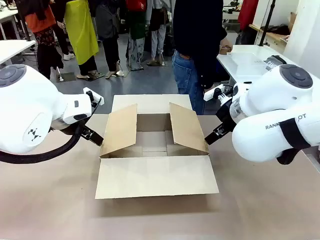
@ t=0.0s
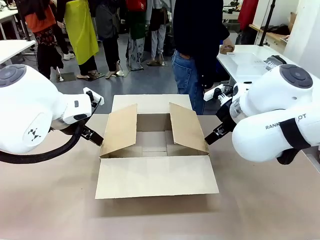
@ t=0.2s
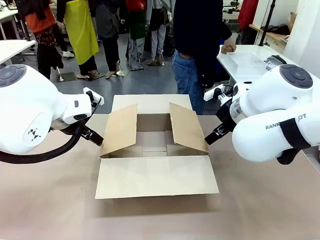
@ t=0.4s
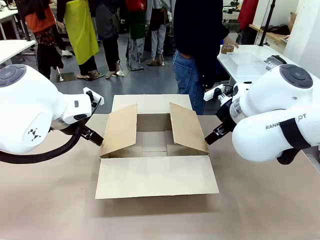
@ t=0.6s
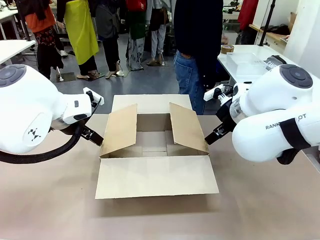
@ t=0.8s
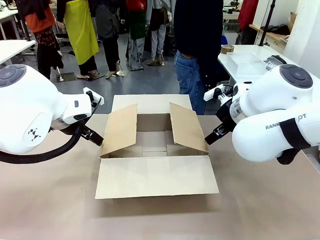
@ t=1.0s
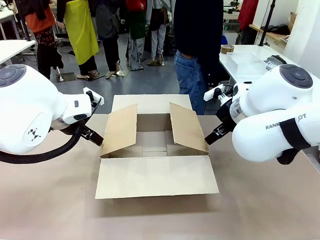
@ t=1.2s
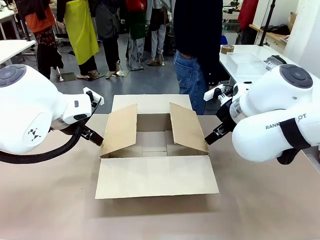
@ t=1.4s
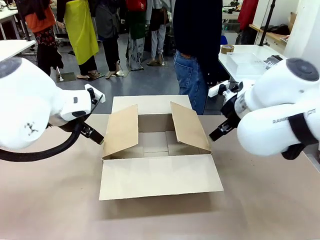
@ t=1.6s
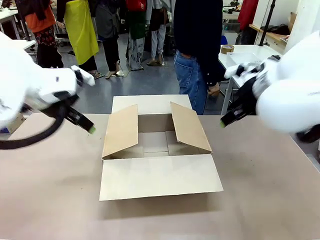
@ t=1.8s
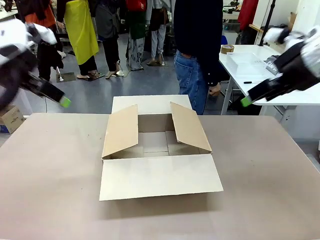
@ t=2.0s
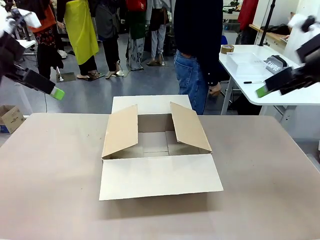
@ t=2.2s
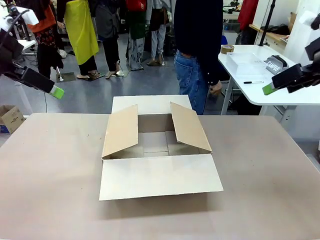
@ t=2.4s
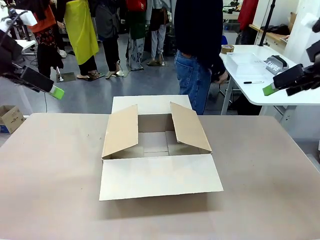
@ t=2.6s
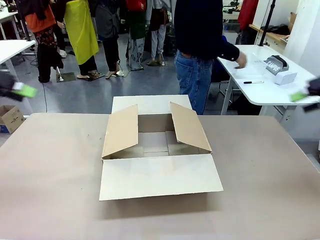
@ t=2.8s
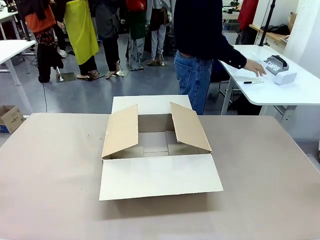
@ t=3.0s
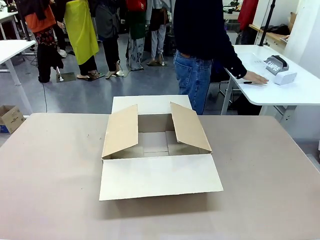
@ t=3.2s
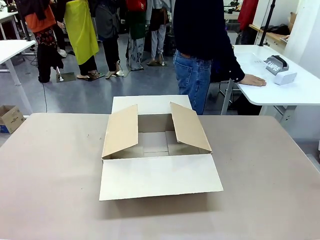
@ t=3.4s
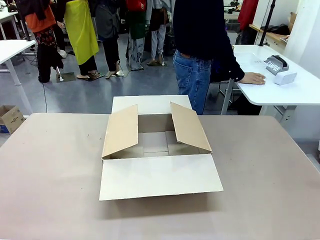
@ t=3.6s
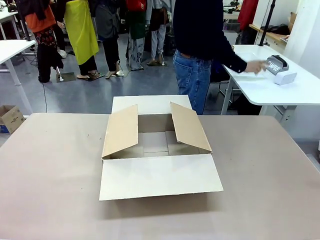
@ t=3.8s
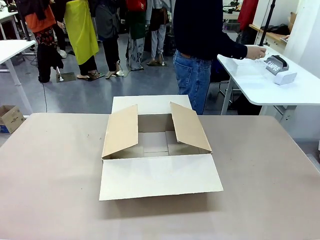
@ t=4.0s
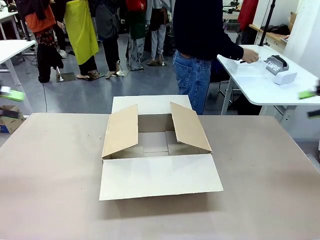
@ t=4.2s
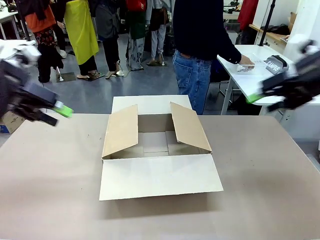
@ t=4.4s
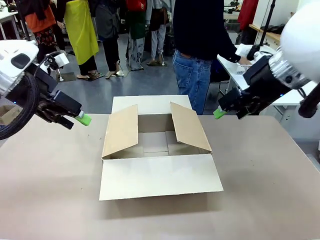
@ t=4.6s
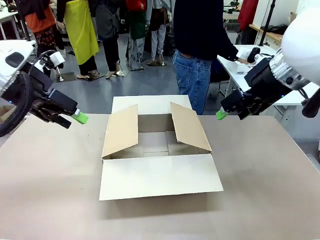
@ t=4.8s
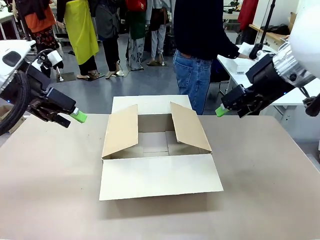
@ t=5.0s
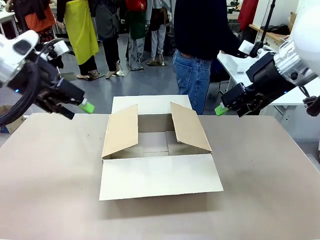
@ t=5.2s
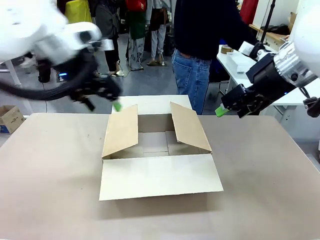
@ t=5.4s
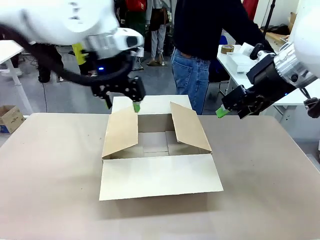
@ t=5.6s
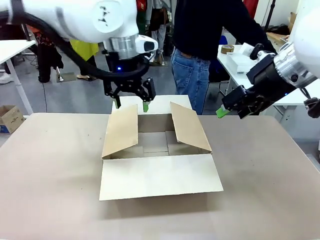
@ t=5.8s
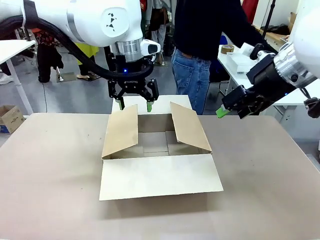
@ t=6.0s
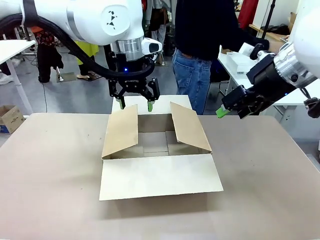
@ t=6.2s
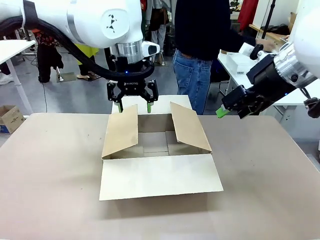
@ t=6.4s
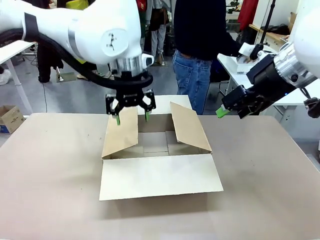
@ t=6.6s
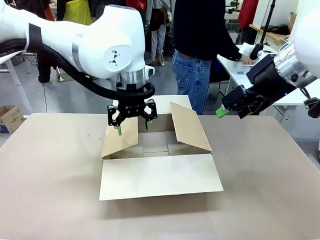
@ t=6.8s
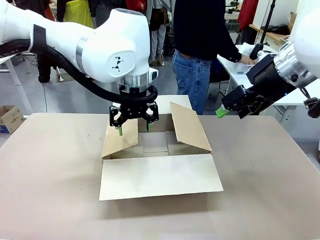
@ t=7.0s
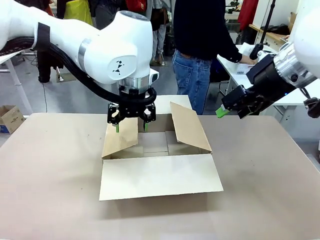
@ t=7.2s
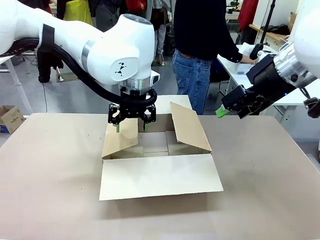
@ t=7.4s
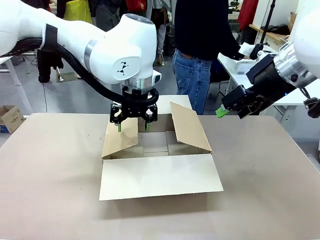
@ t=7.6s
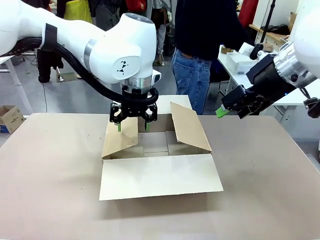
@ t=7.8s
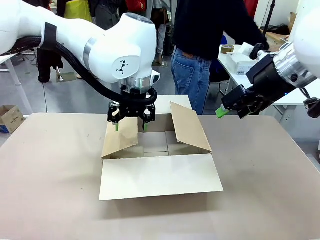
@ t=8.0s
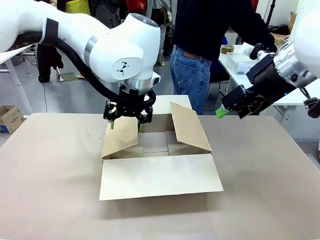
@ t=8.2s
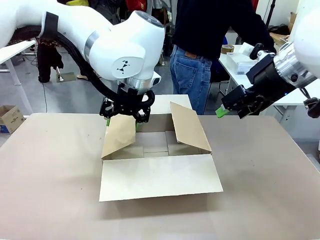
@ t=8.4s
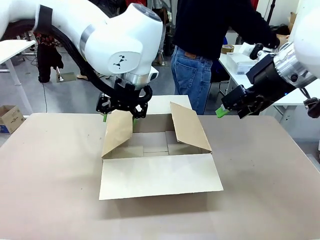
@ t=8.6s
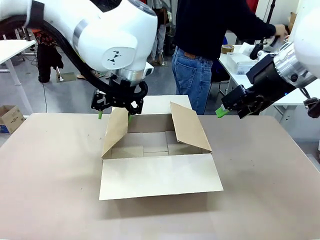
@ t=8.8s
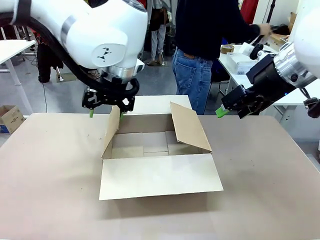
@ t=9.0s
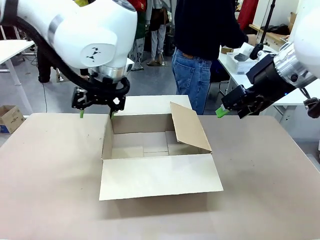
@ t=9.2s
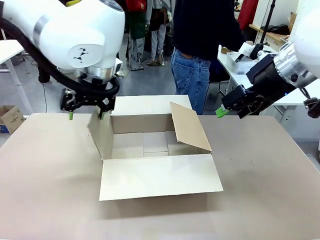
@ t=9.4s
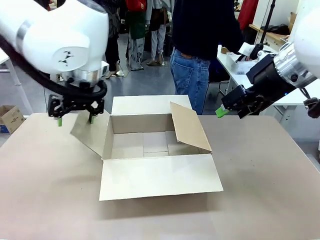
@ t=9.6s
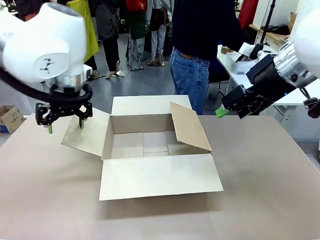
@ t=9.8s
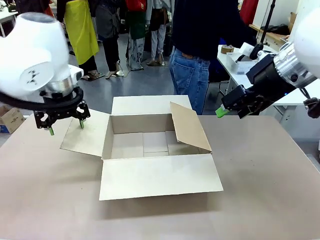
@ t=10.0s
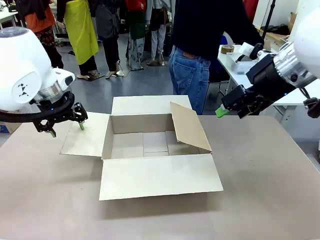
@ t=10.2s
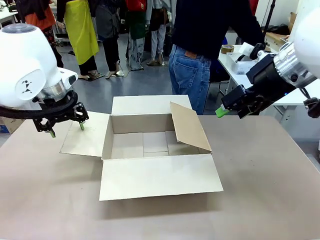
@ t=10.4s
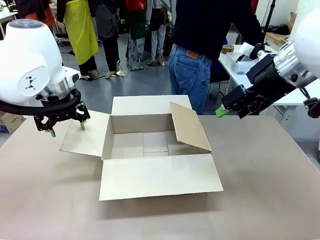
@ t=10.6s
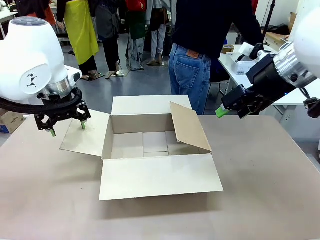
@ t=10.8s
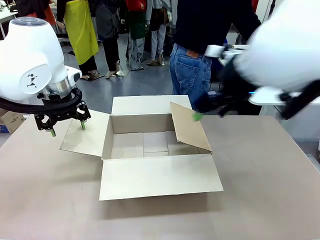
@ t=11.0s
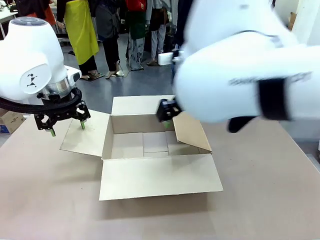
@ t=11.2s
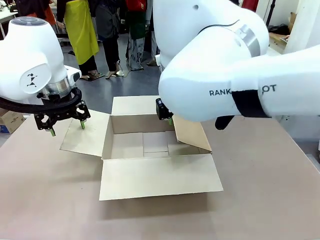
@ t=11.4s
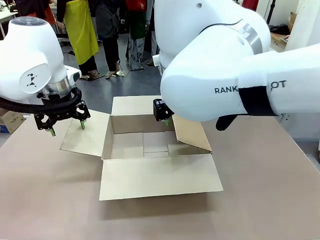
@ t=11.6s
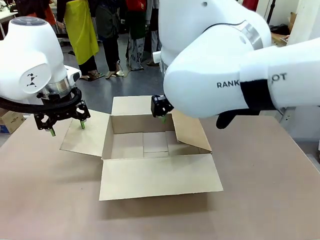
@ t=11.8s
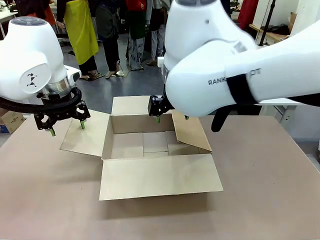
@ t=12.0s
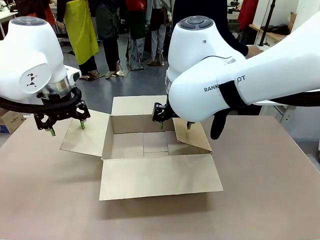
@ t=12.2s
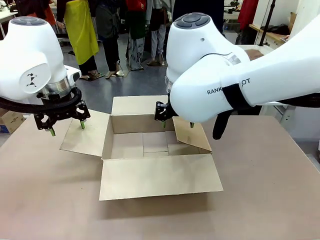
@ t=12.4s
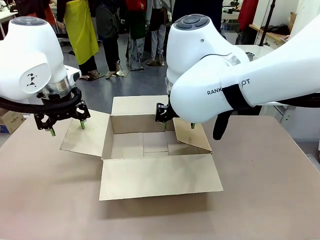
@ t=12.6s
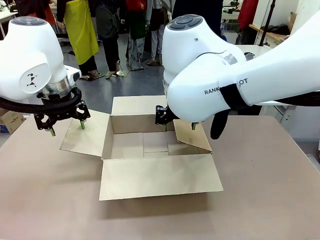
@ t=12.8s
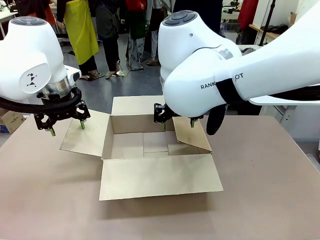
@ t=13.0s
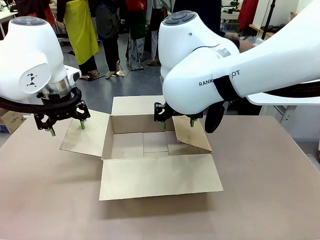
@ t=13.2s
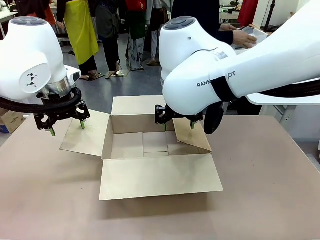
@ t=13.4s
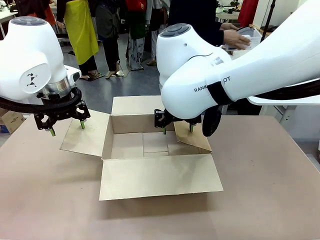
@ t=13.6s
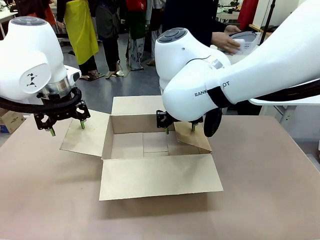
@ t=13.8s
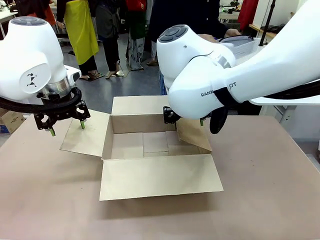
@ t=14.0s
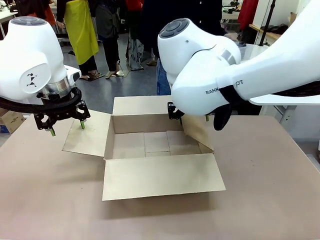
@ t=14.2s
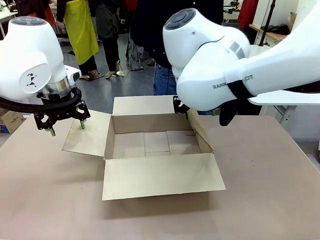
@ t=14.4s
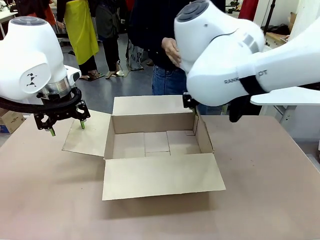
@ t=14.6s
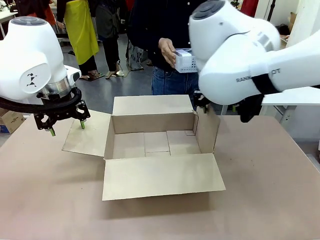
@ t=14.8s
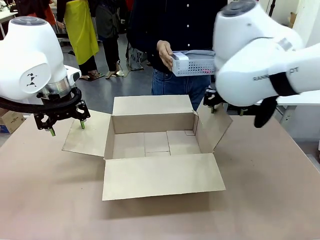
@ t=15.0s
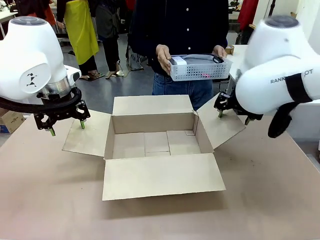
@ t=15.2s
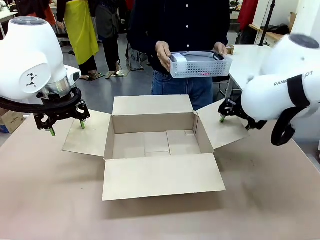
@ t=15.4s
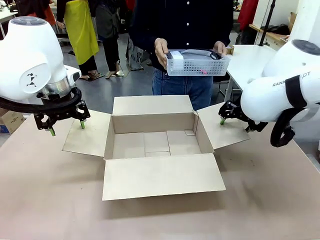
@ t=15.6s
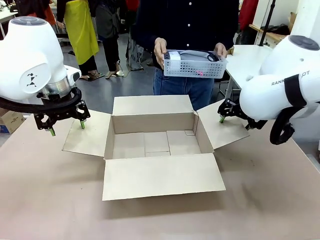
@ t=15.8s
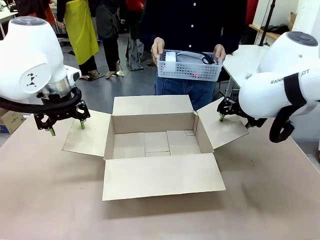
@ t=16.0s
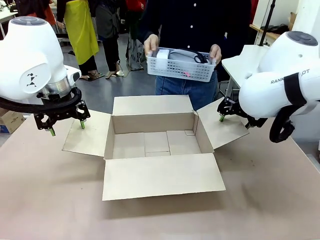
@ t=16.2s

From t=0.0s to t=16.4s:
Task: Pack the gift set into the box.
Robot: Place both hands on the side flaps of the Package Box and spread them outward.
Person: The human places all items except the paper tape into the organizing basket.

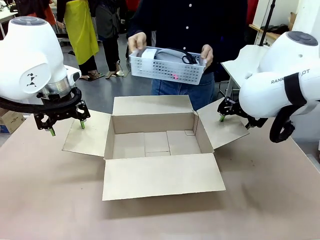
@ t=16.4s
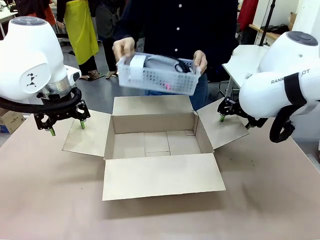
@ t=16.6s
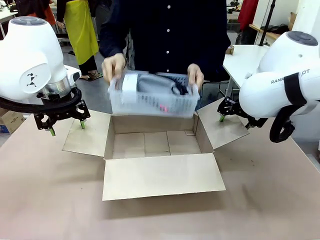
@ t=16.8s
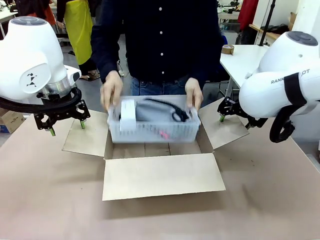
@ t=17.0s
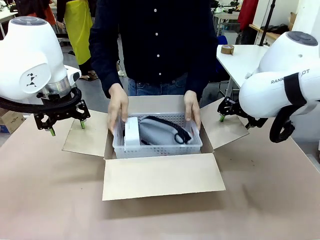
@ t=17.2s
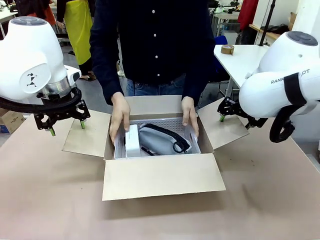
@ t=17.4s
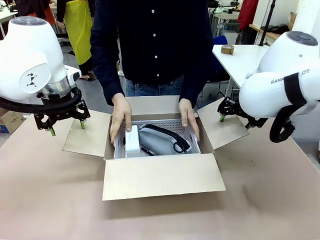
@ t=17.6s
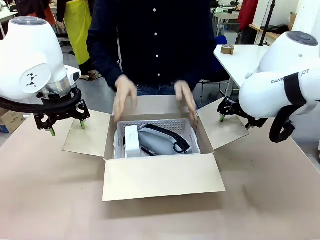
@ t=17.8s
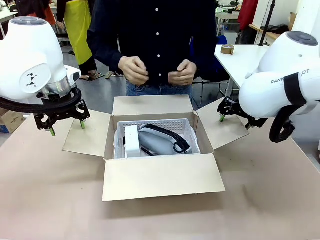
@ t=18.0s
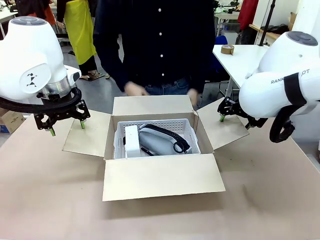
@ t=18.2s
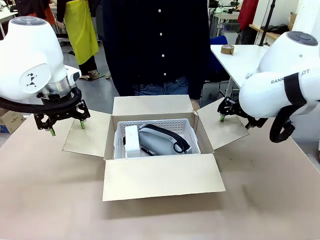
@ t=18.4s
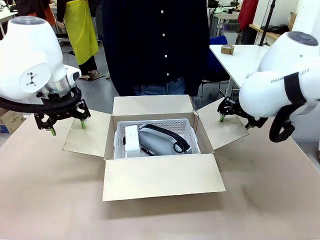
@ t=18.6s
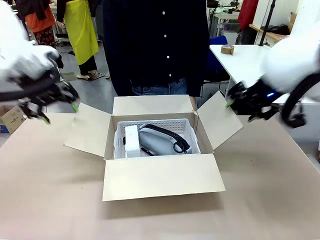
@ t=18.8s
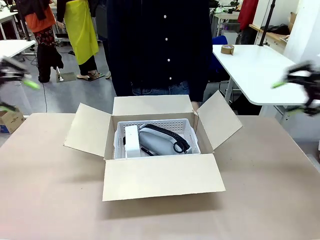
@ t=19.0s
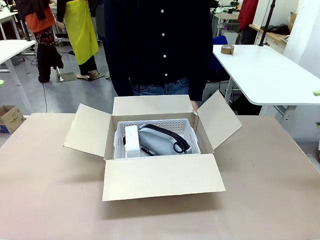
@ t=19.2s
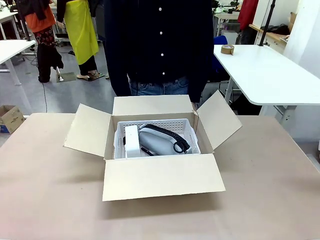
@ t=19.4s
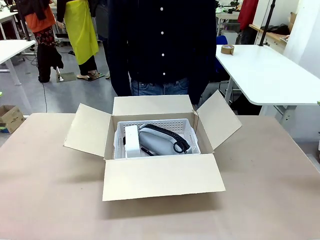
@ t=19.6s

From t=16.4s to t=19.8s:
Robot: Lift both hands away from the flaps of the Package Box.
Person: The human picks up the organizing basket and places the organizing basket into the package box on the robot table.
